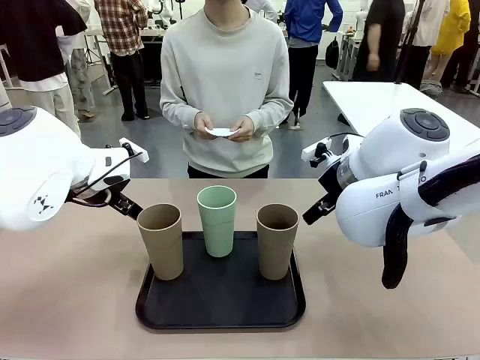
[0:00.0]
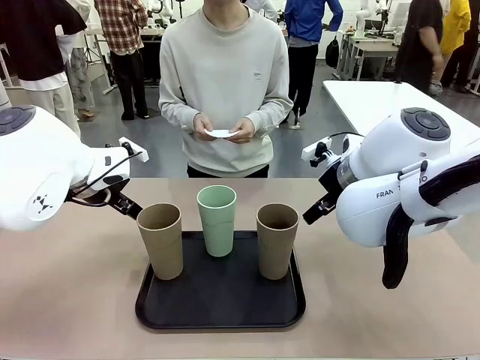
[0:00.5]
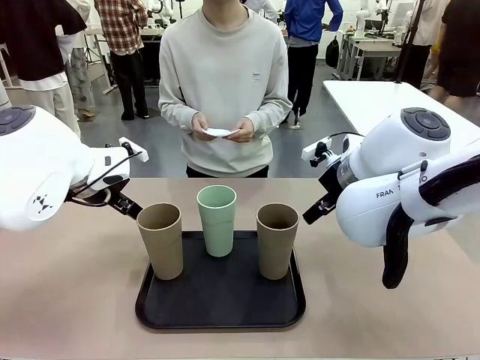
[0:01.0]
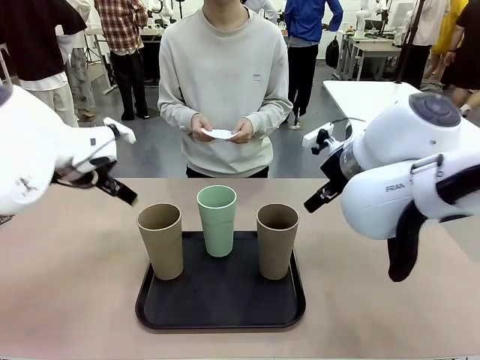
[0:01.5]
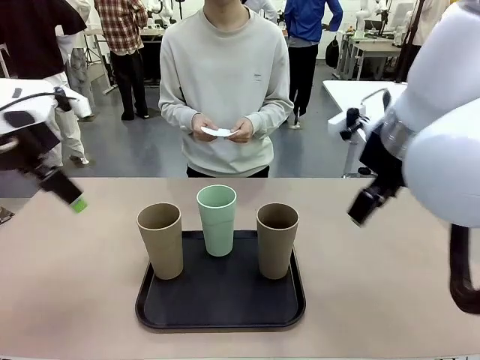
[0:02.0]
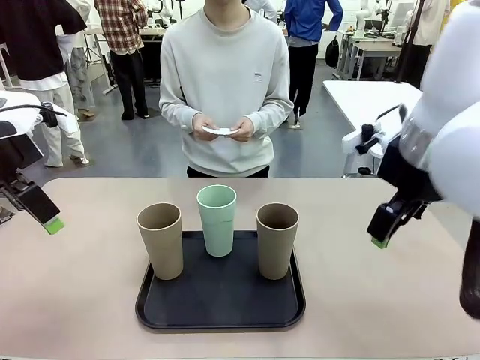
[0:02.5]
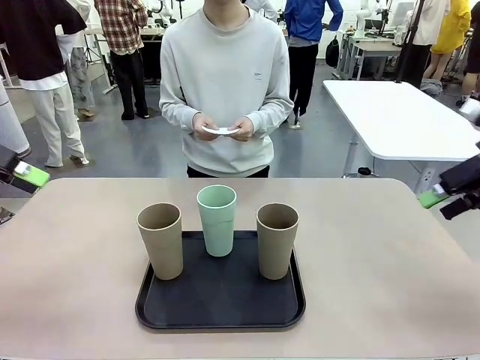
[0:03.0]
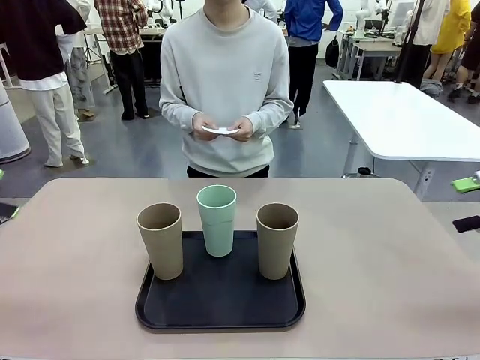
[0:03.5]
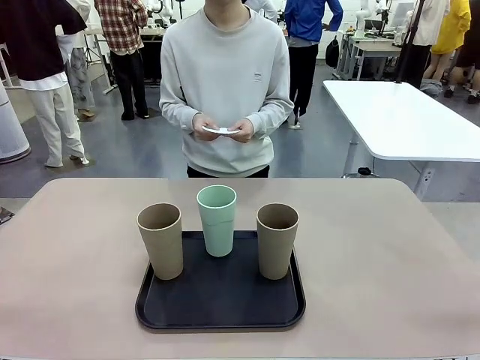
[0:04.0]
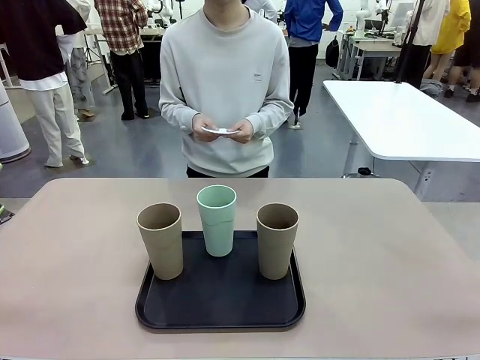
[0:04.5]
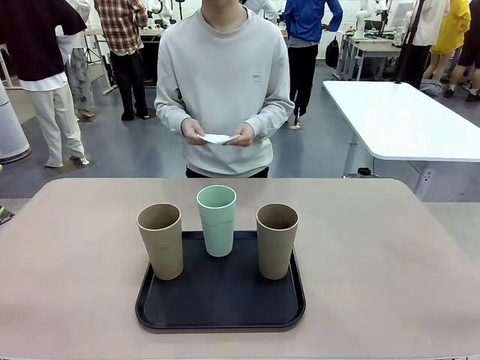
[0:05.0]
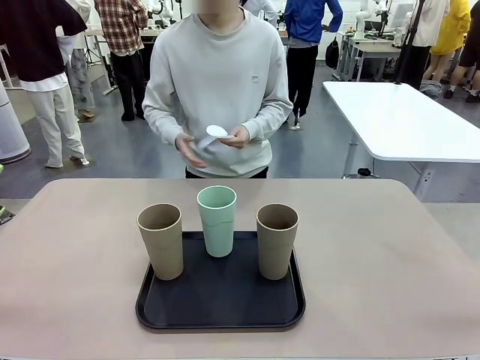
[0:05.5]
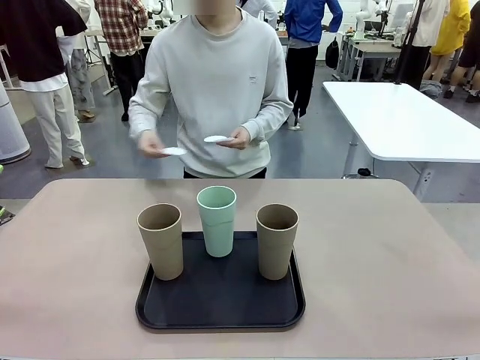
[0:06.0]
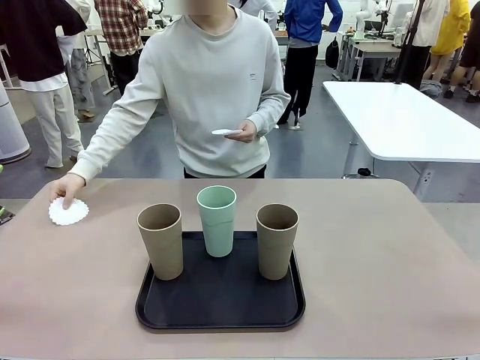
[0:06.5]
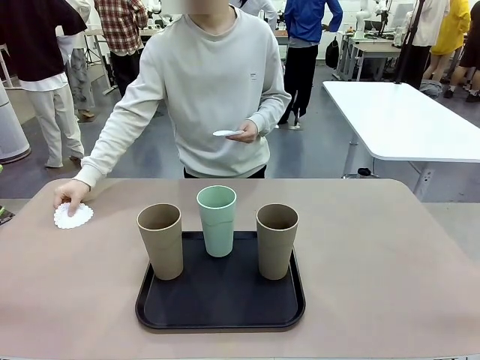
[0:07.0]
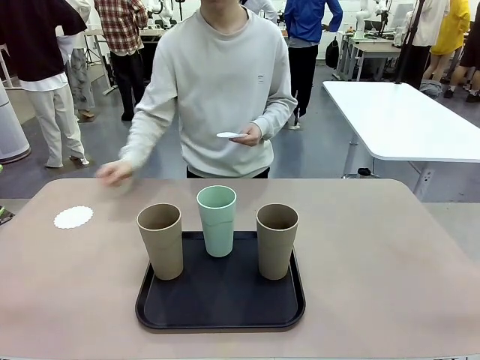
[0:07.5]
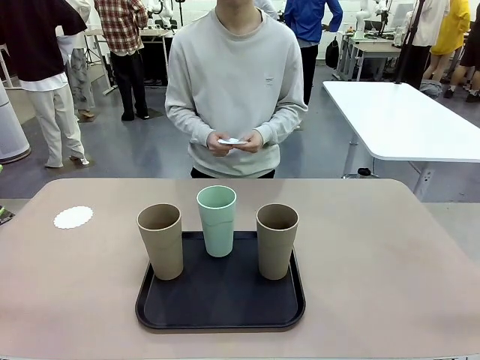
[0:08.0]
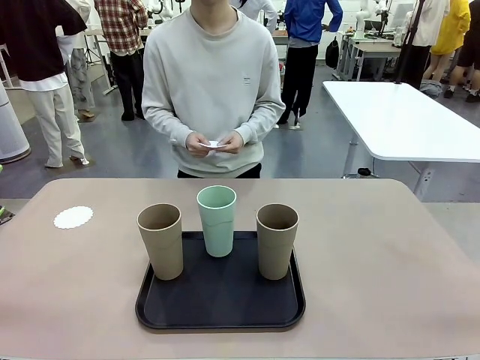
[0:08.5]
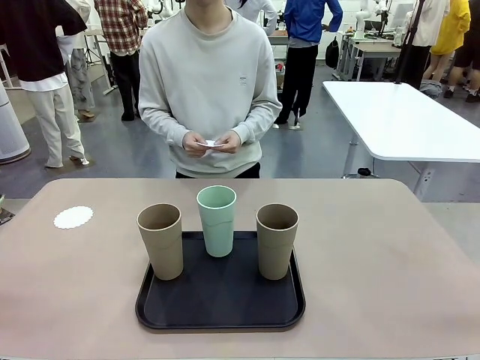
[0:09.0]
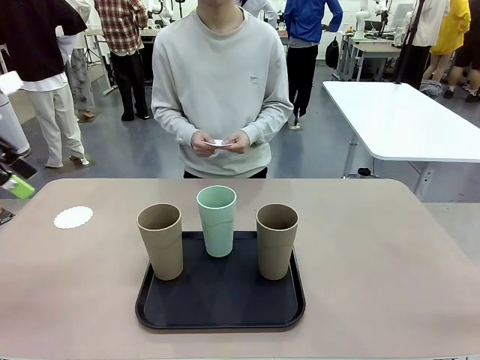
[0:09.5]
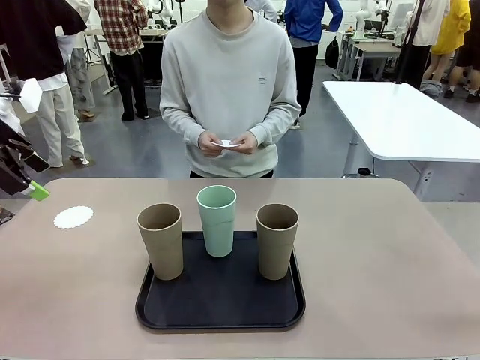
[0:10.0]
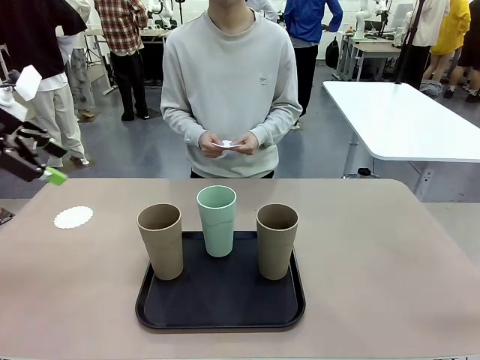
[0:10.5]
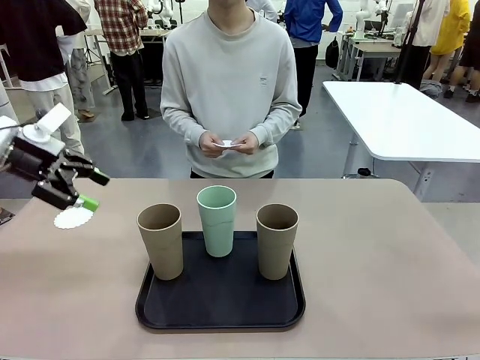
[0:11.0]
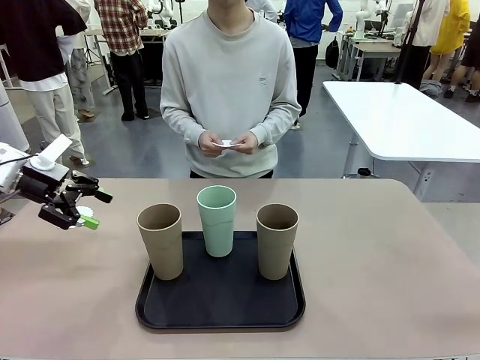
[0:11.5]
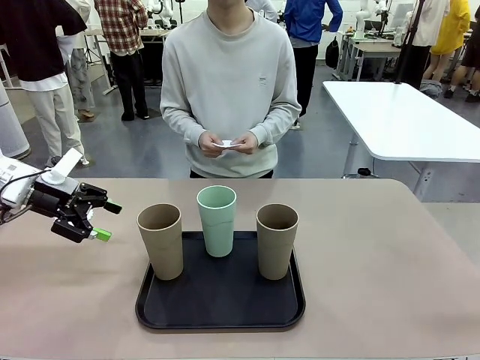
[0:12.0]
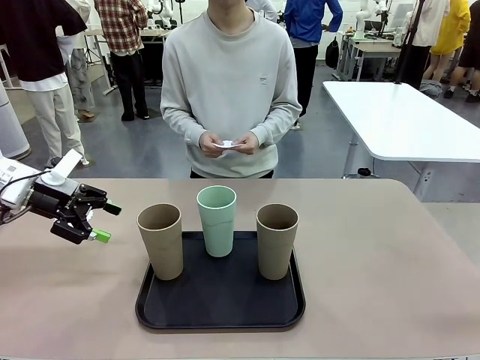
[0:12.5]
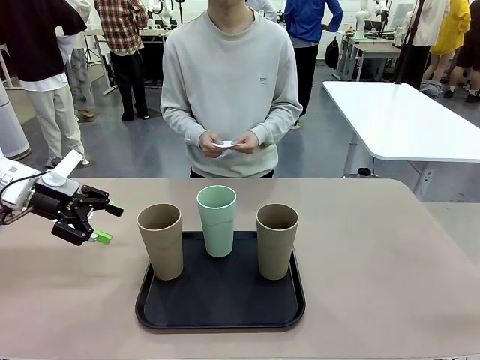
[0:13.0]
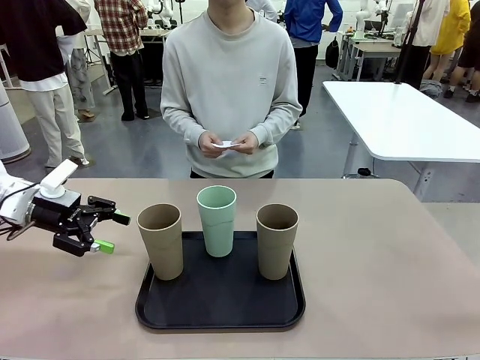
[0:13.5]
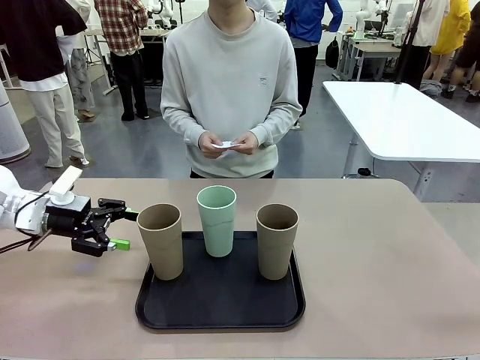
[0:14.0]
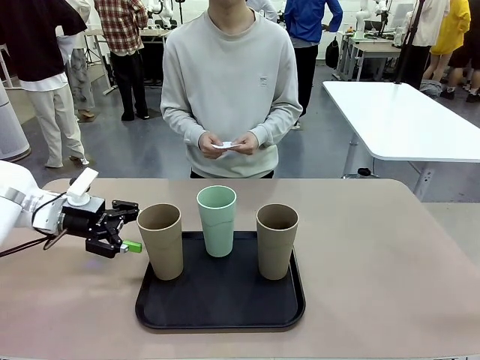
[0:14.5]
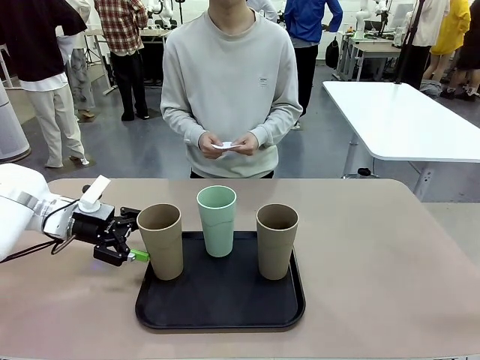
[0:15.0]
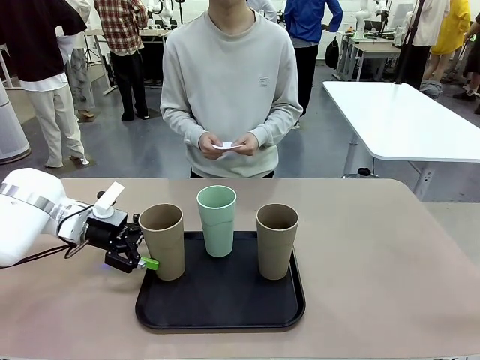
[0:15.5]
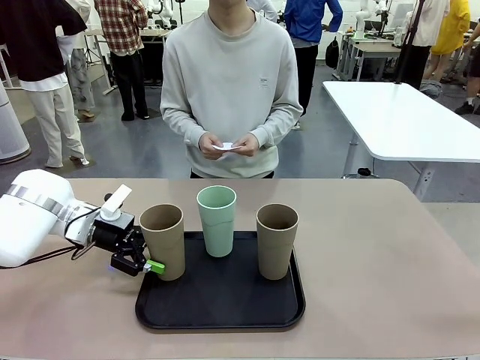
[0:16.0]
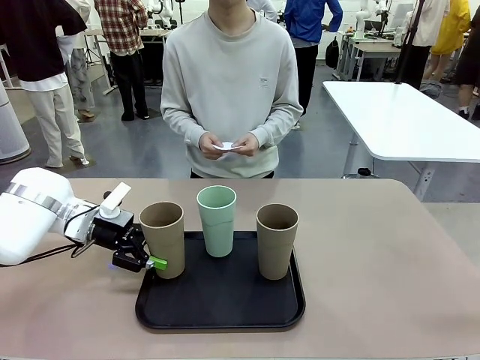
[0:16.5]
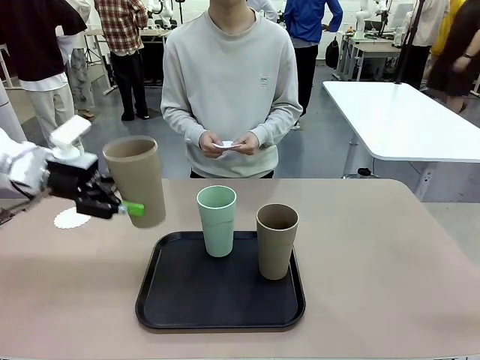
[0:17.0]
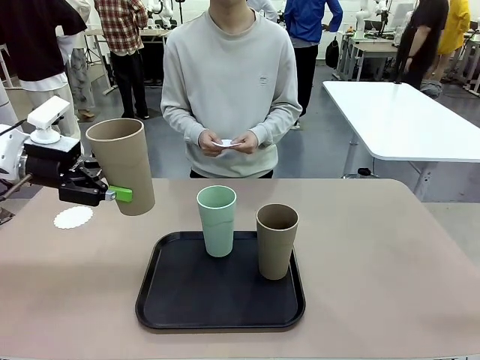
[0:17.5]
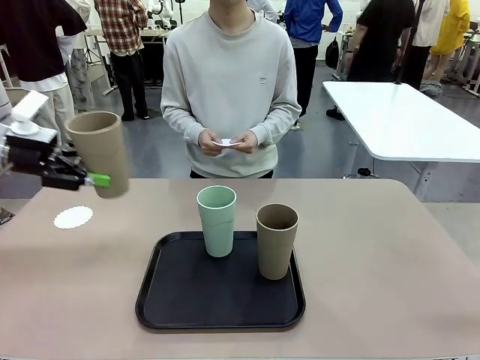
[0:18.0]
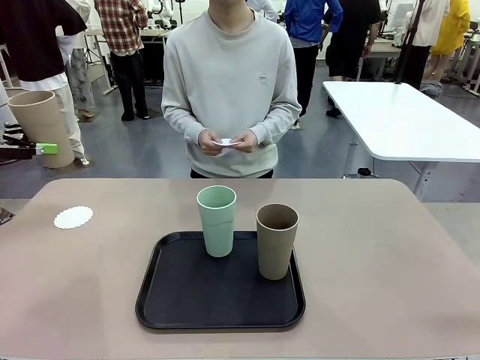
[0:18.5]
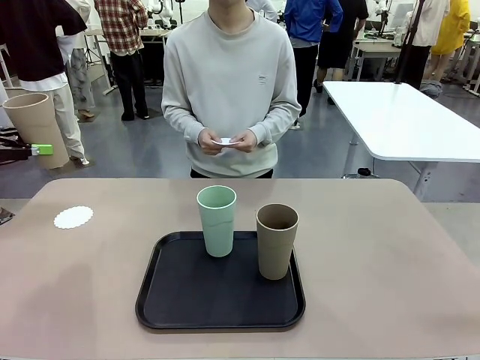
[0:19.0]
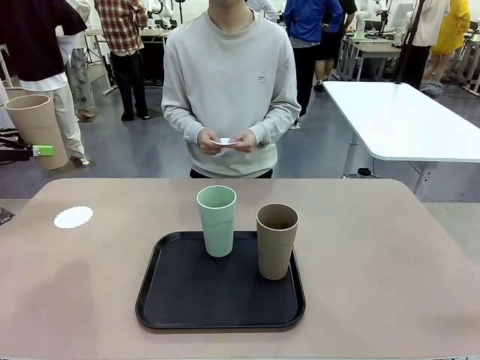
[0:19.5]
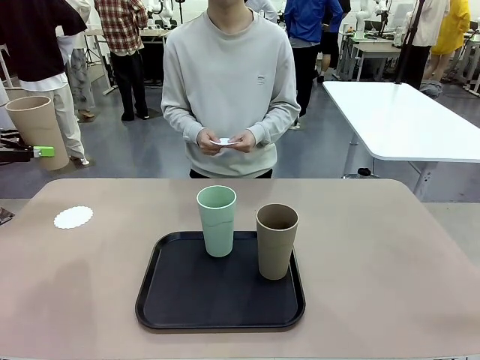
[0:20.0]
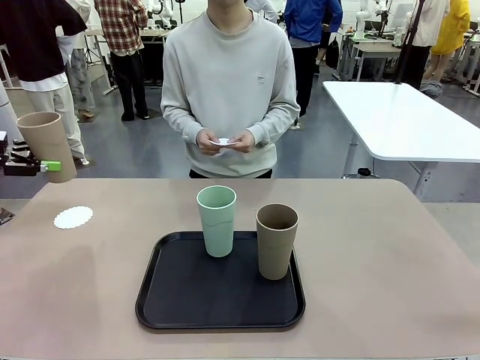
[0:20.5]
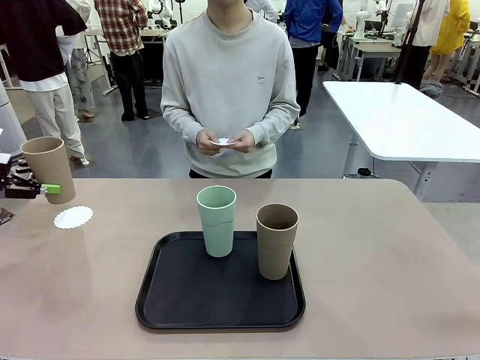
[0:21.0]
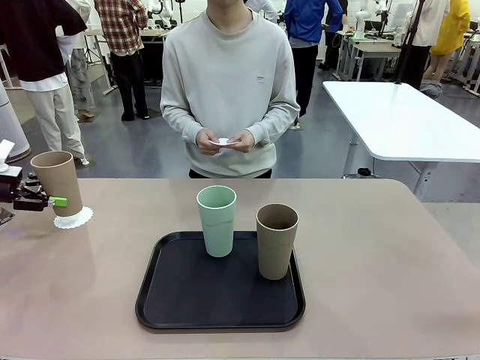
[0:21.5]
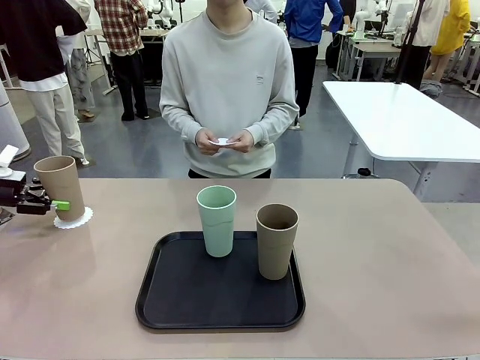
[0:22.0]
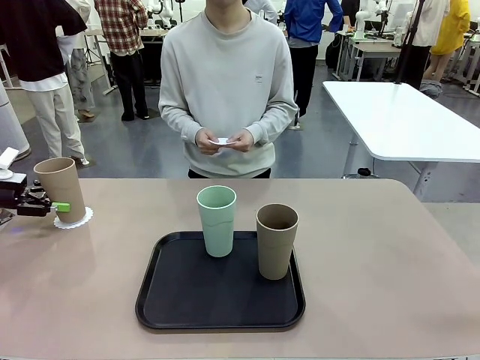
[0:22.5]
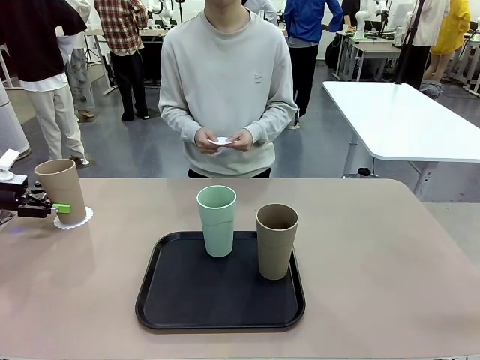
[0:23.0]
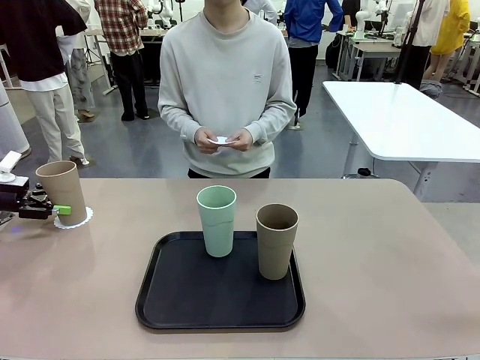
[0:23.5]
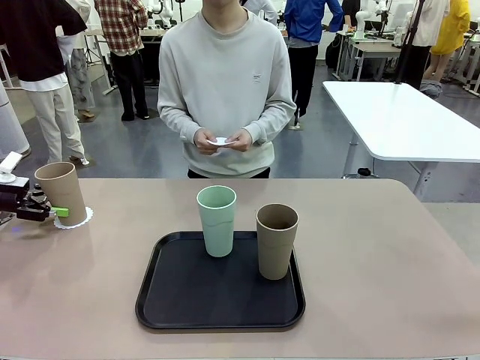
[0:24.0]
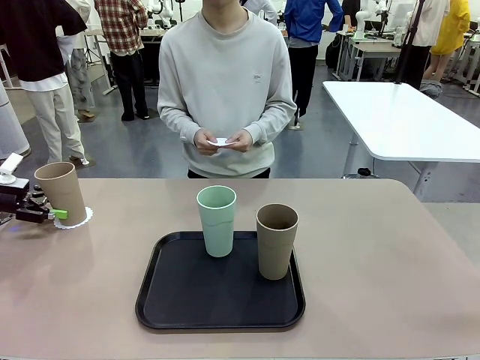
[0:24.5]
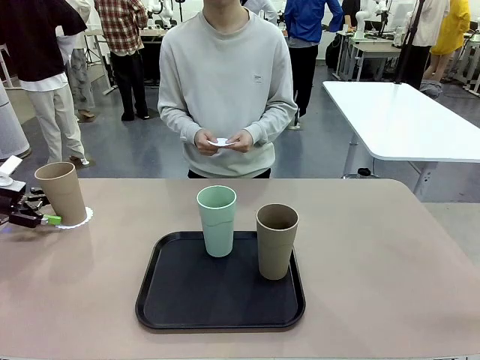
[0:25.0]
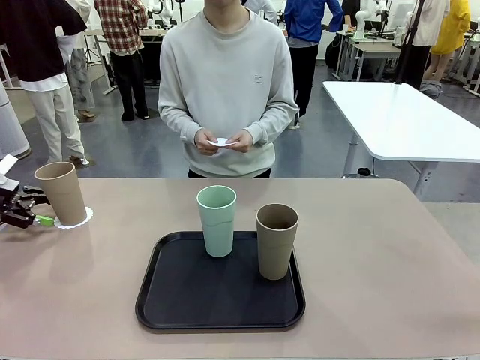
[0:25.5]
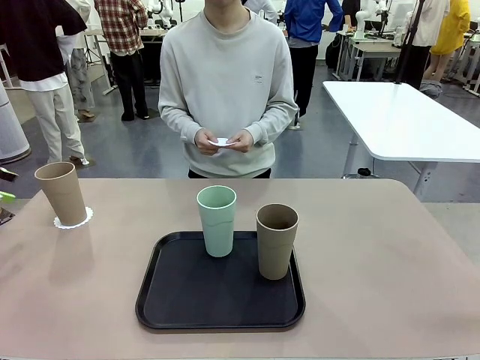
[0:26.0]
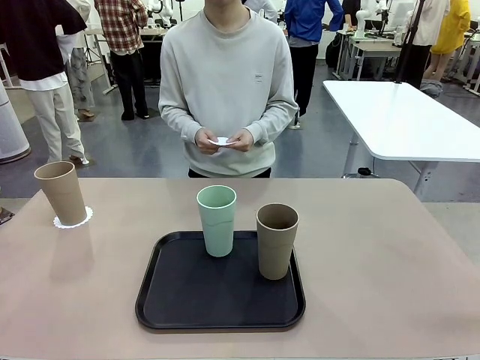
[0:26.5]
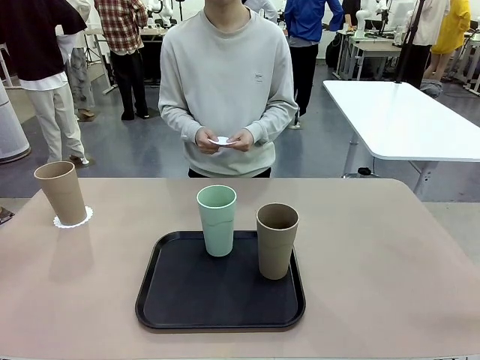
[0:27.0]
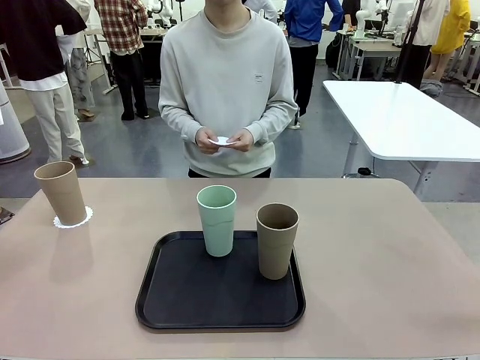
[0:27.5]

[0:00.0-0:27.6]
Task: Place coasters on the table and set cups on them.
Robot: Pick up one Reusable plastic cup and place it on a coaster set by the human.
Person: Place one coaster in any one of the three lower areas of the robot table (left, center, or right). Place one coaster in one of the two areas excluding the previously selected area.
